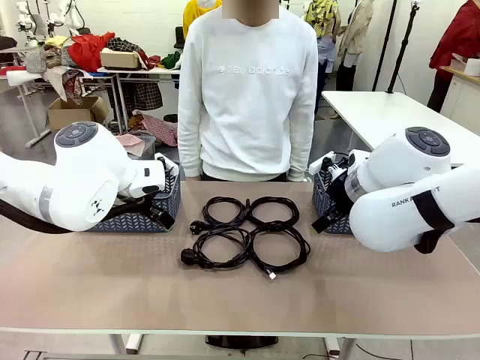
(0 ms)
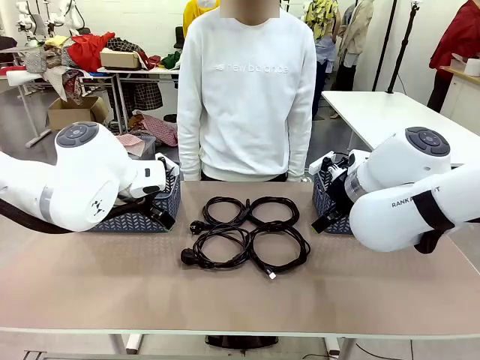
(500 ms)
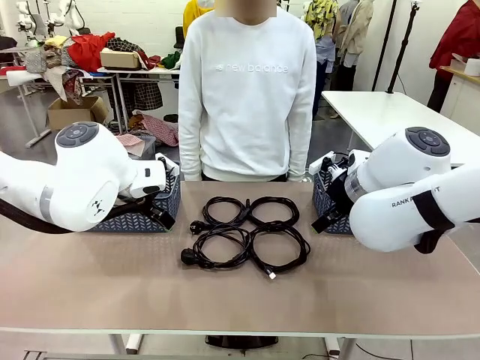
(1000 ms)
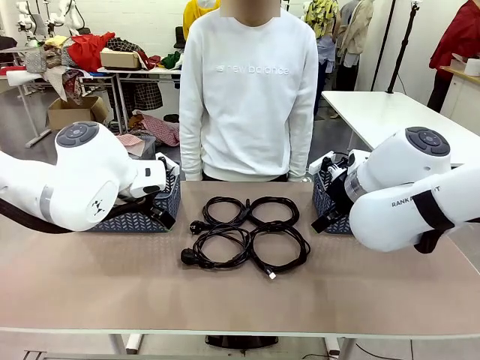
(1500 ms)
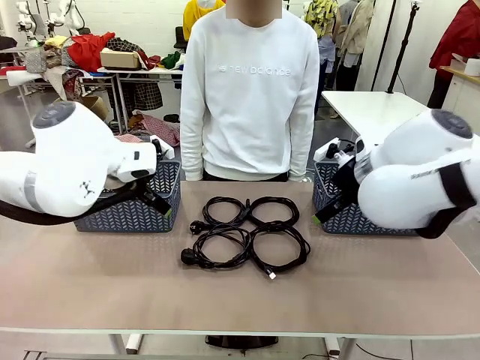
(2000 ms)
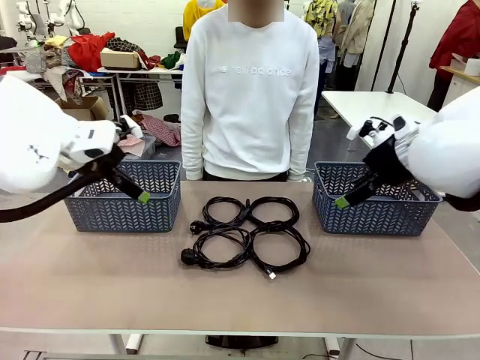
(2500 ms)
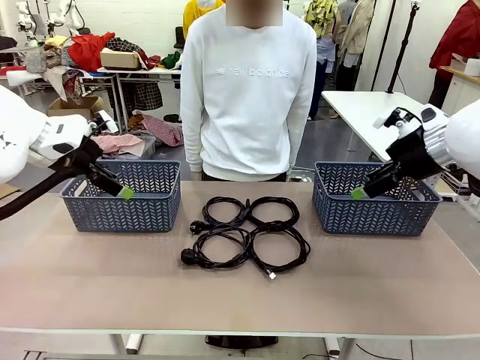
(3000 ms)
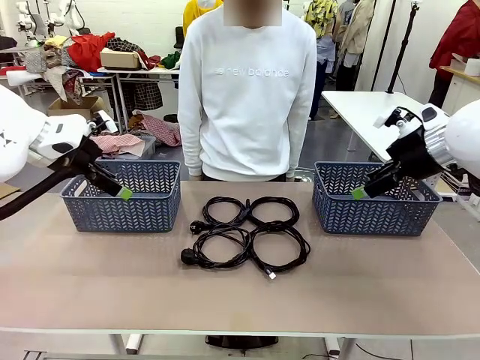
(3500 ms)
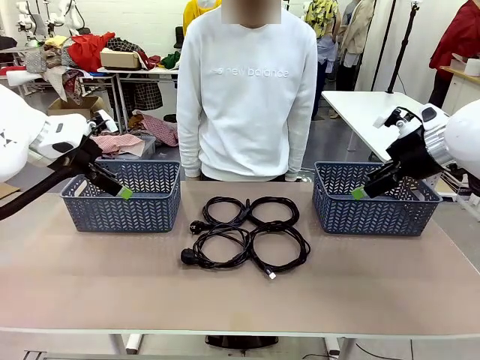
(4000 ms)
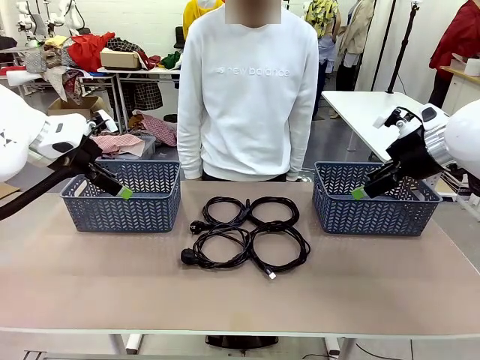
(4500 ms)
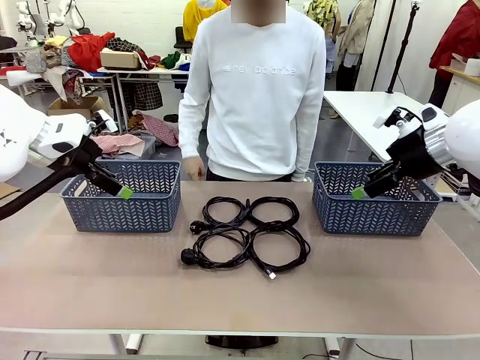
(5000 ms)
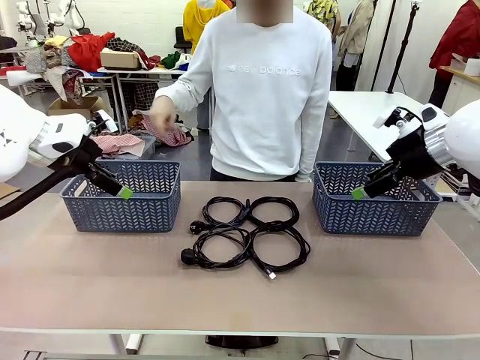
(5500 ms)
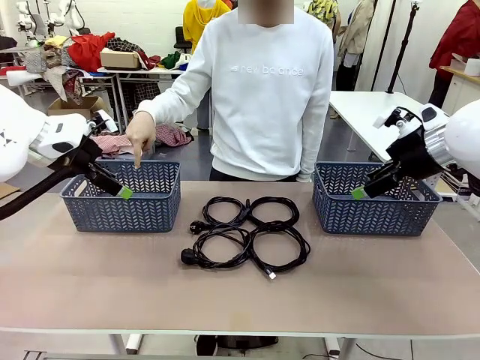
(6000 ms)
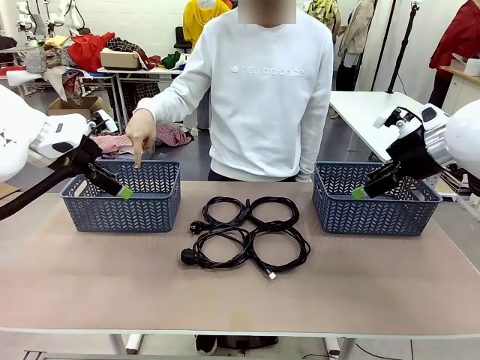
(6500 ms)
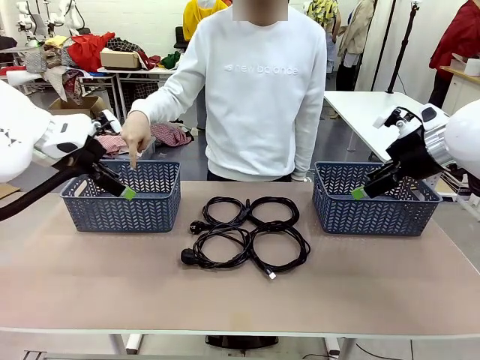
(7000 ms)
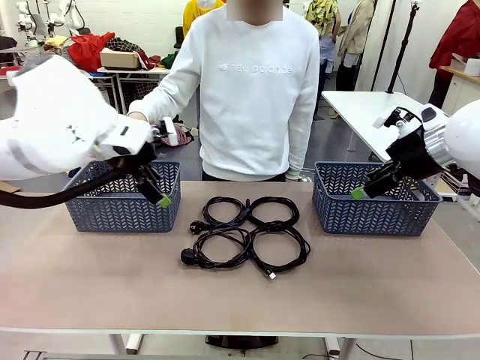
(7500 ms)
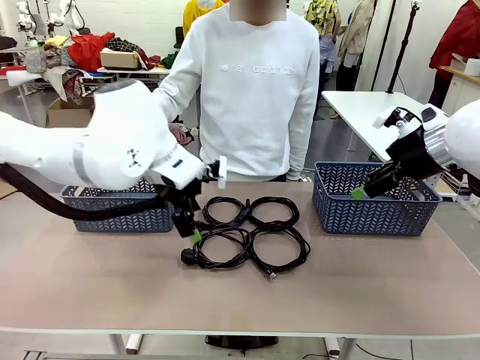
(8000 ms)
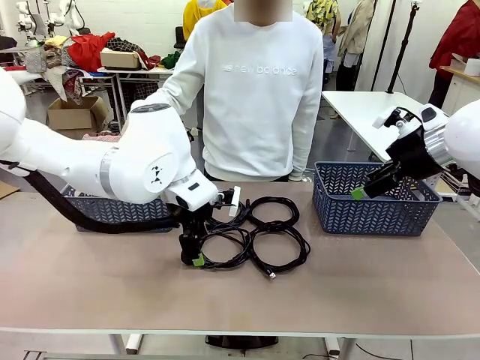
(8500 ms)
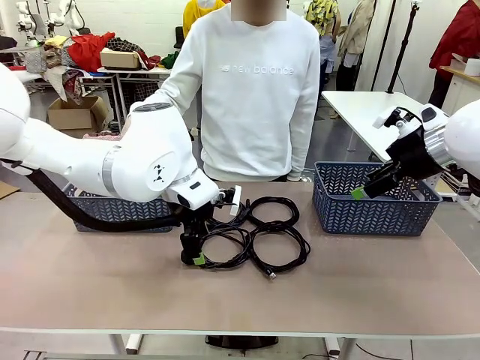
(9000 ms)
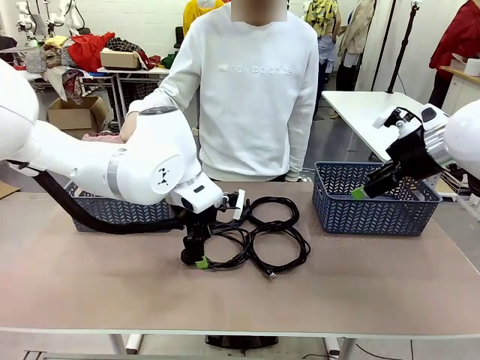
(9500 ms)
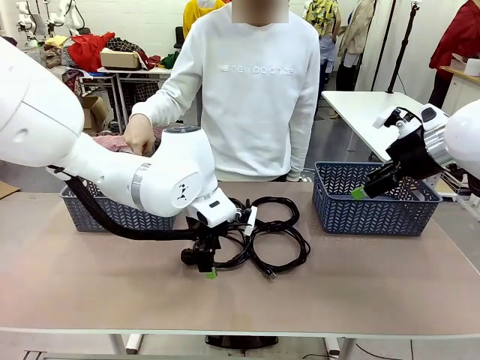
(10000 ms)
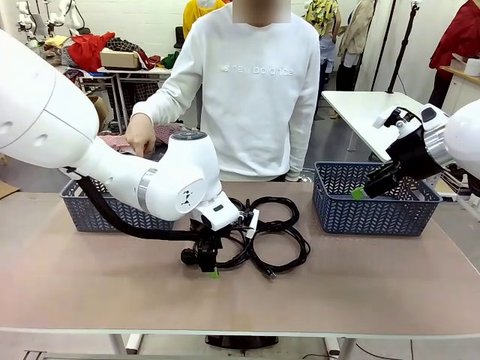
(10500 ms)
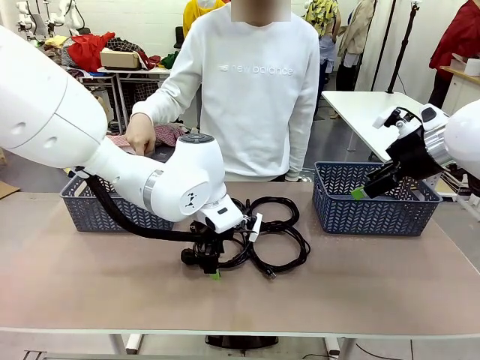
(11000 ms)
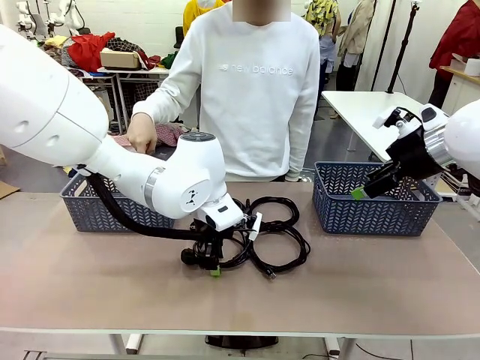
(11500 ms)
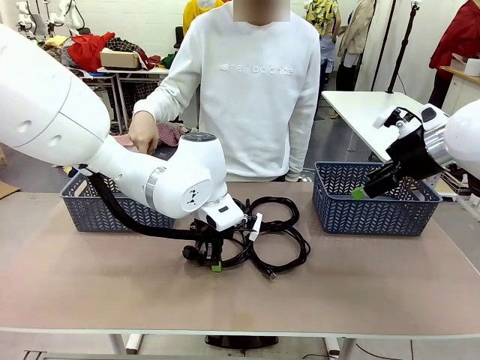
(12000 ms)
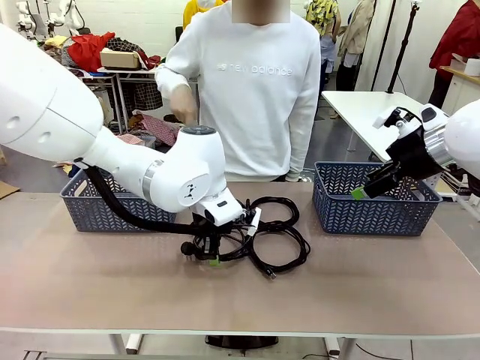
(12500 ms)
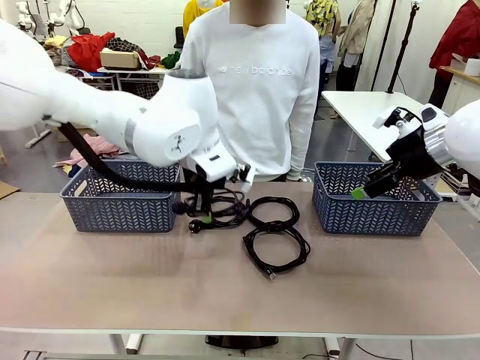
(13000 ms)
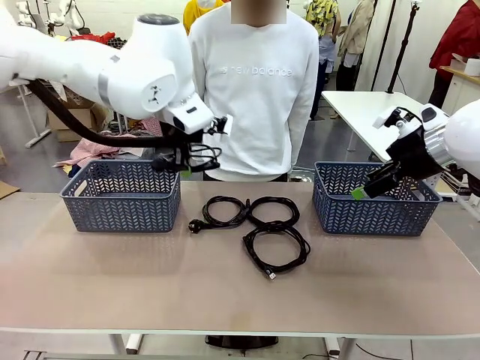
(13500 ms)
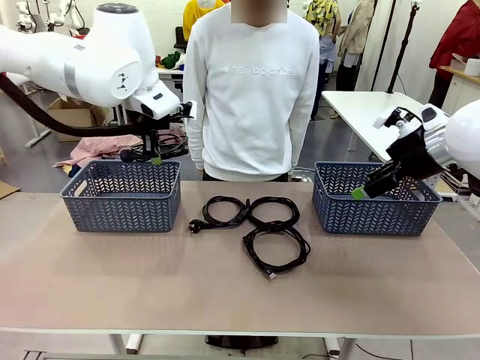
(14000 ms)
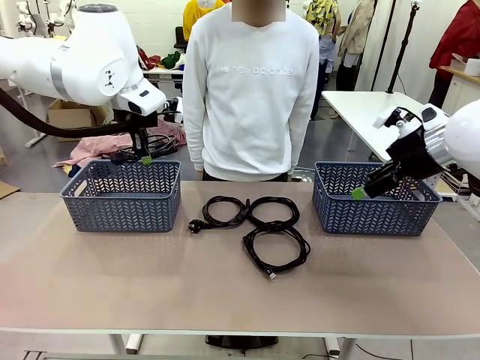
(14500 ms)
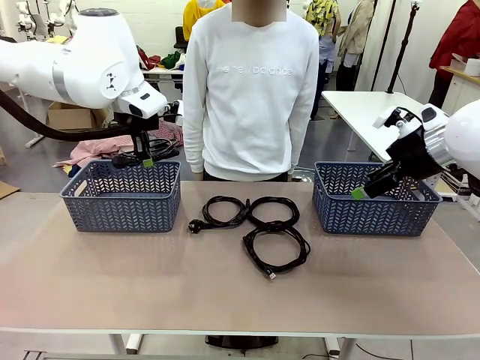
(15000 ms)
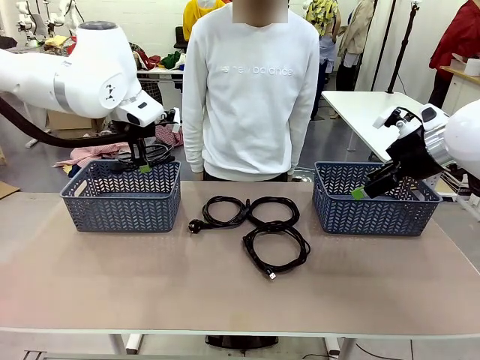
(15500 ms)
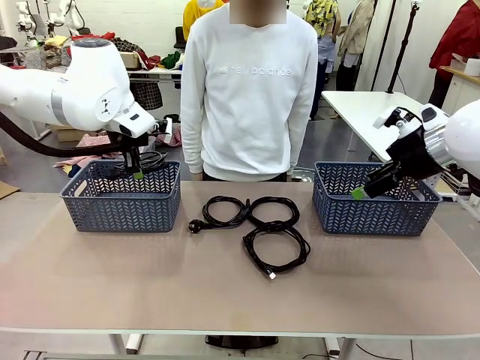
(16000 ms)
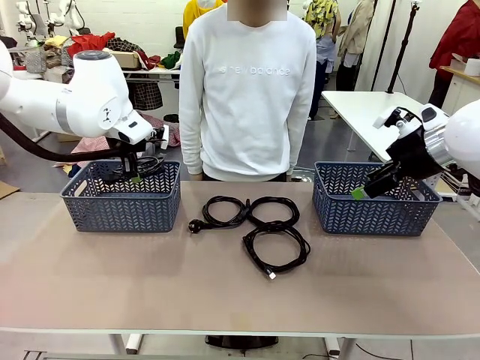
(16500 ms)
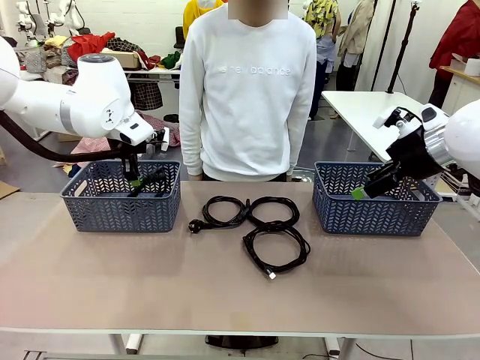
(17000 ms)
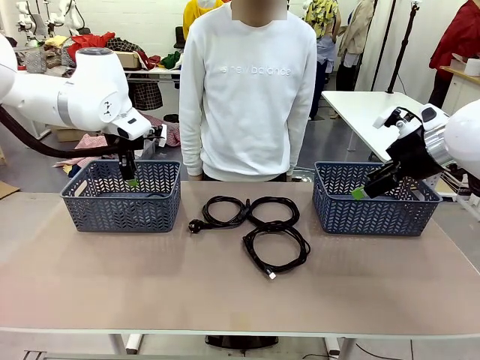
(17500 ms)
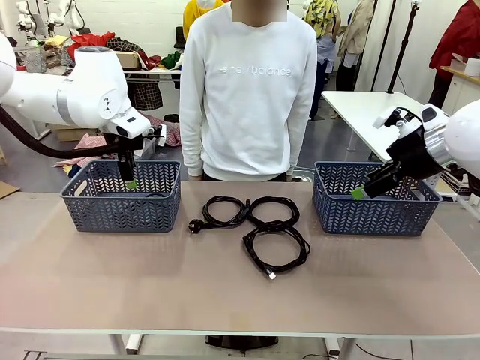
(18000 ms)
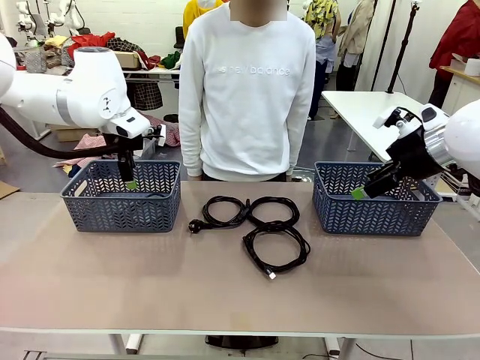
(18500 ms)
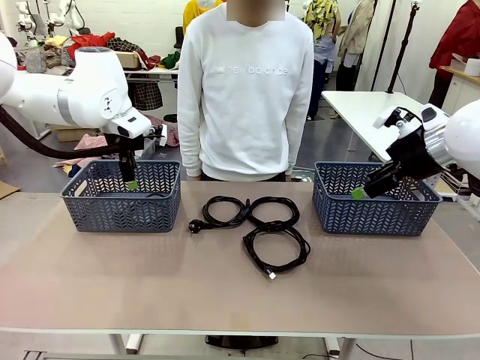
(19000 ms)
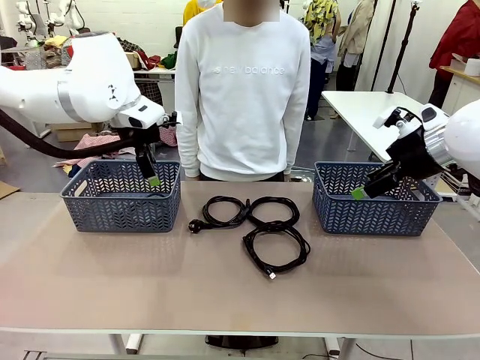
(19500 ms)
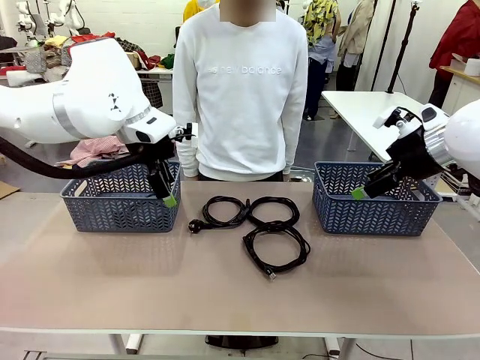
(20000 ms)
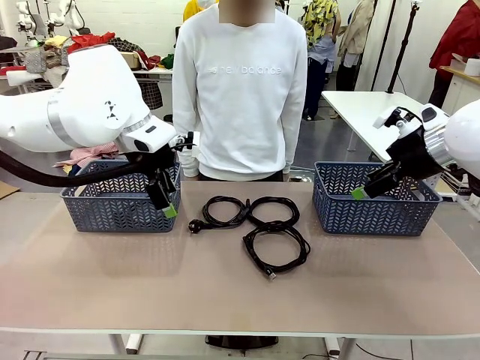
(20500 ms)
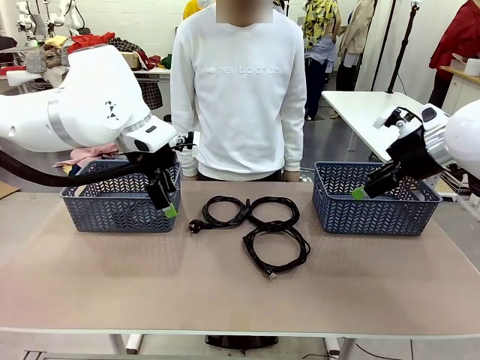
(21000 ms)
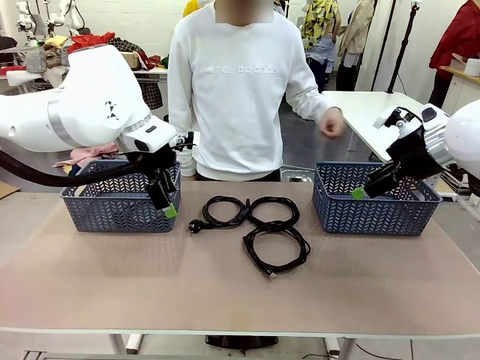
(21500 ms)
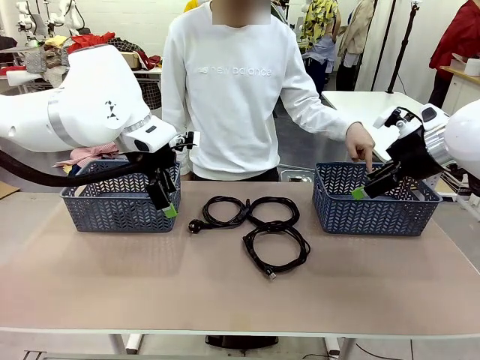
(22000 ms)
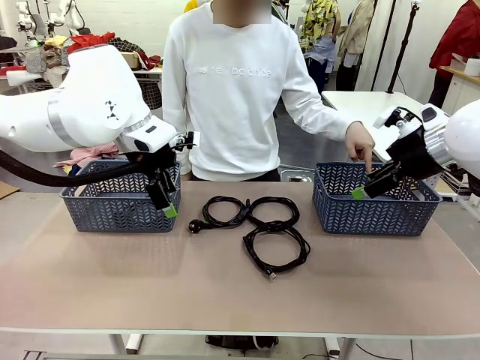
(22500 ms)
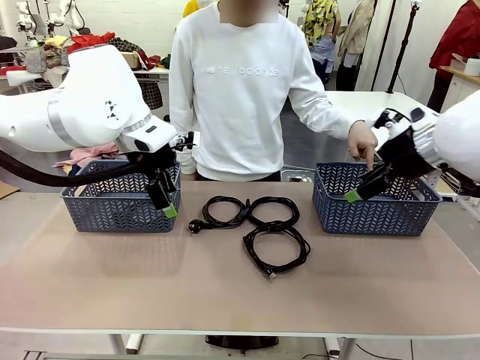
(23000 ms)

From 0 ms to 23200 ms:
Task: Organize the cables according to human instructions.
Robot: Pick up a bundle of cables and place it in the basket indicated by the human.
